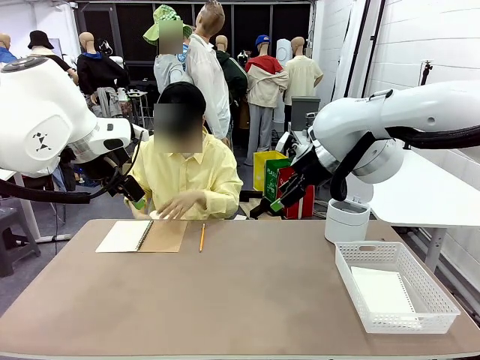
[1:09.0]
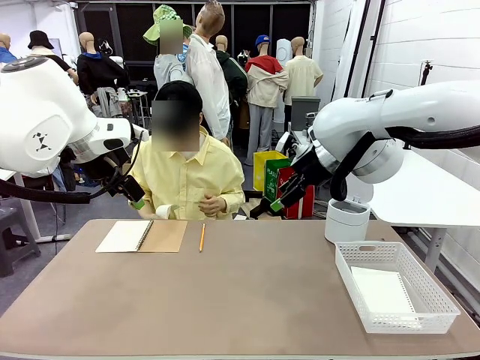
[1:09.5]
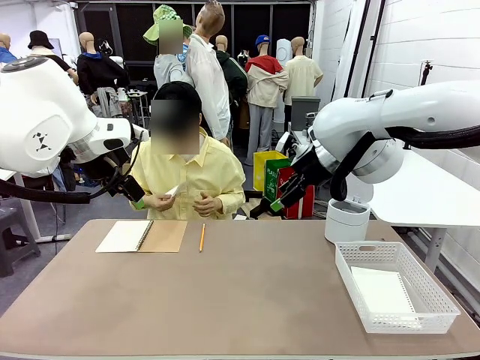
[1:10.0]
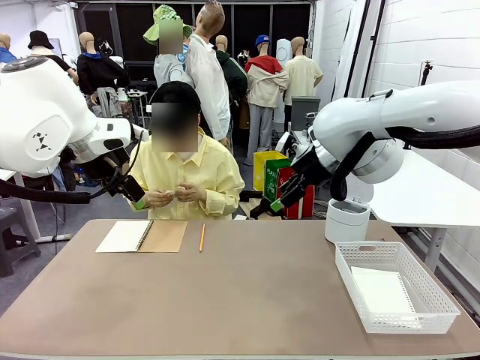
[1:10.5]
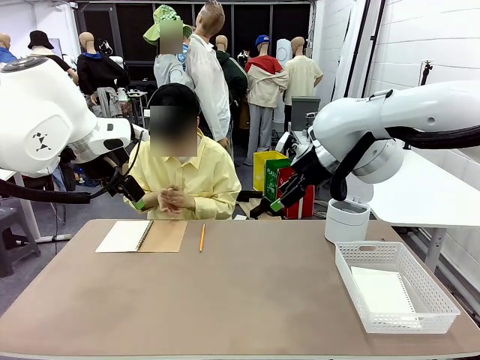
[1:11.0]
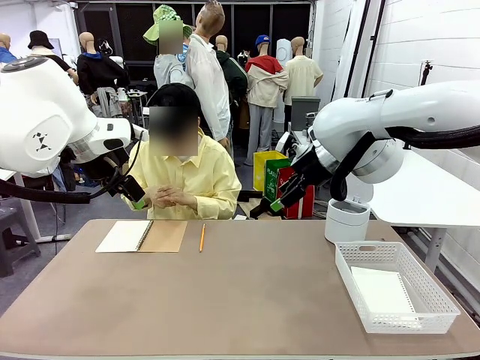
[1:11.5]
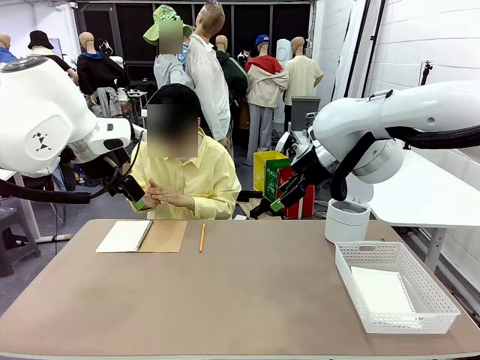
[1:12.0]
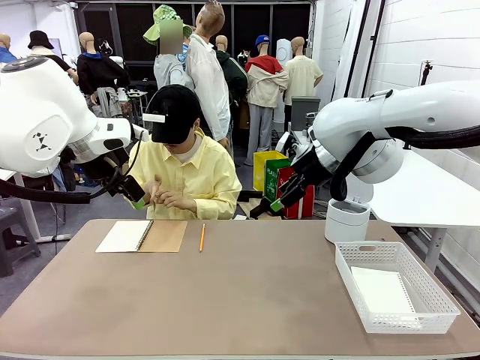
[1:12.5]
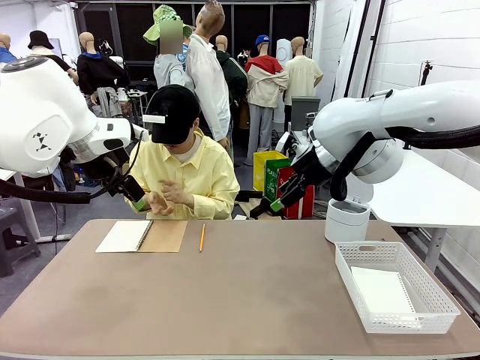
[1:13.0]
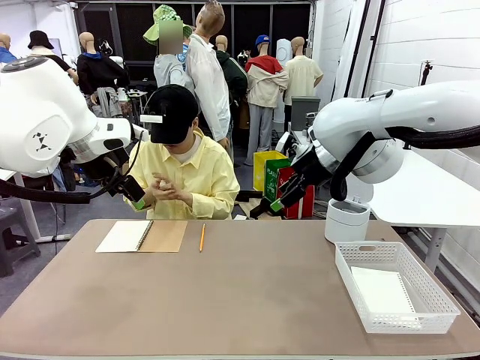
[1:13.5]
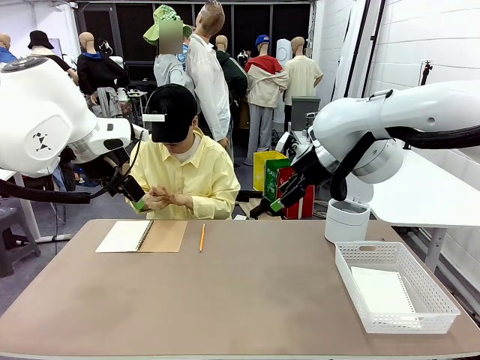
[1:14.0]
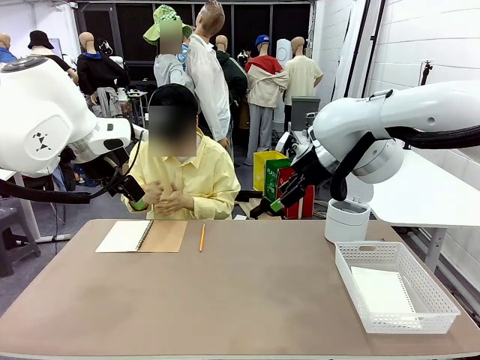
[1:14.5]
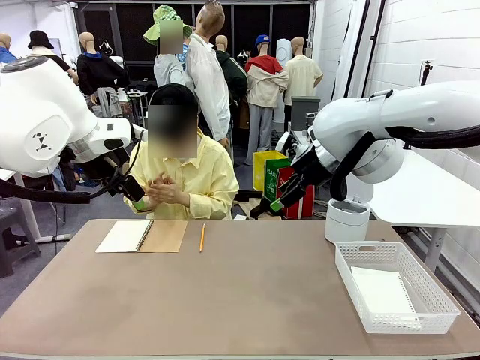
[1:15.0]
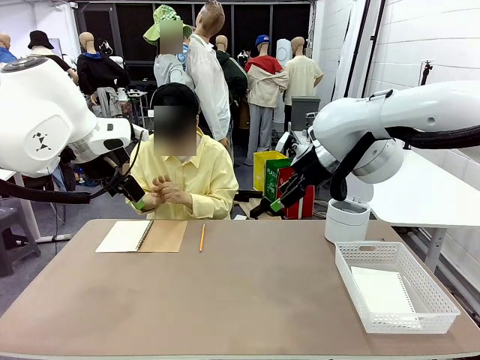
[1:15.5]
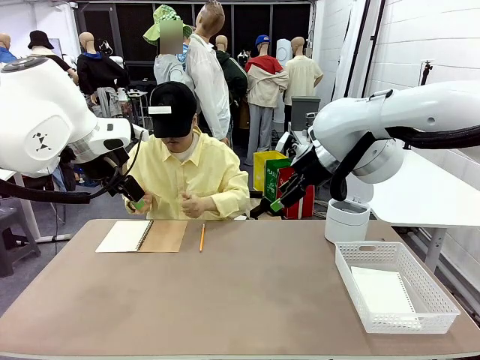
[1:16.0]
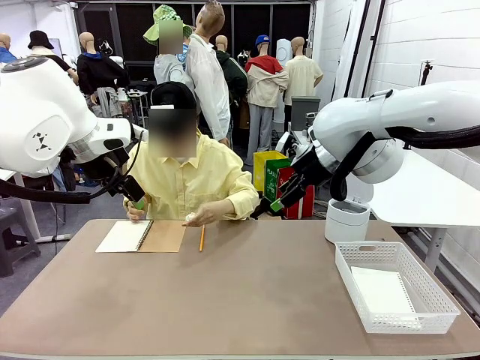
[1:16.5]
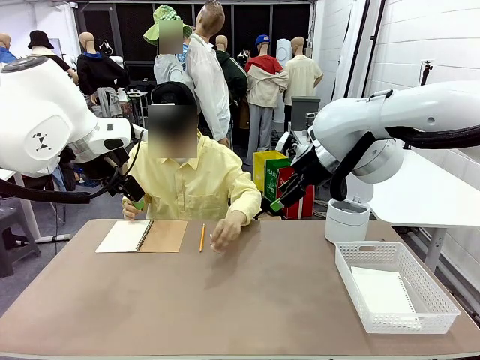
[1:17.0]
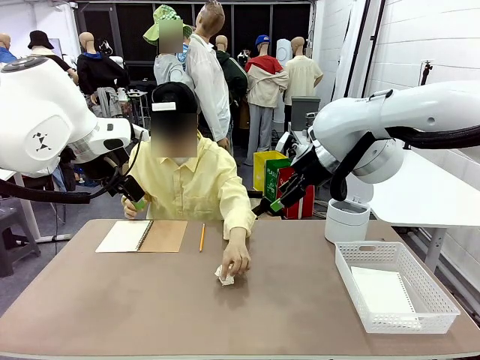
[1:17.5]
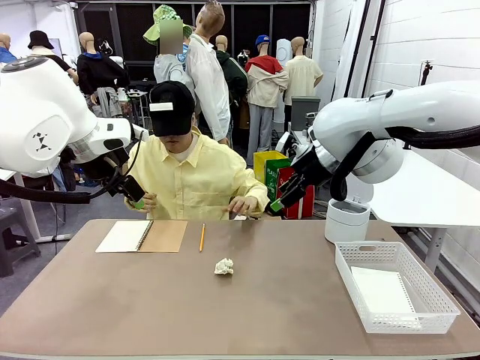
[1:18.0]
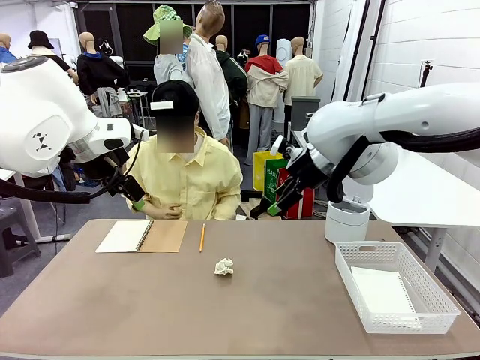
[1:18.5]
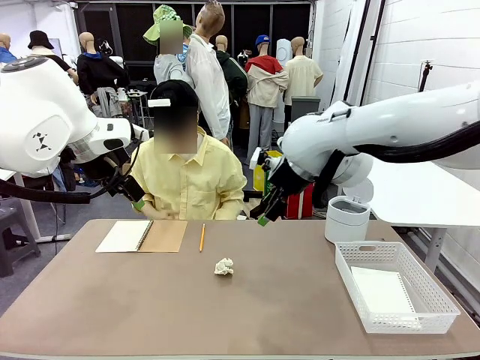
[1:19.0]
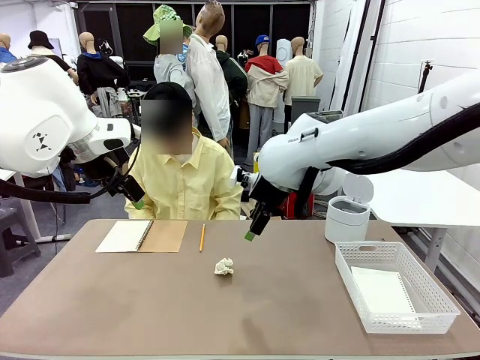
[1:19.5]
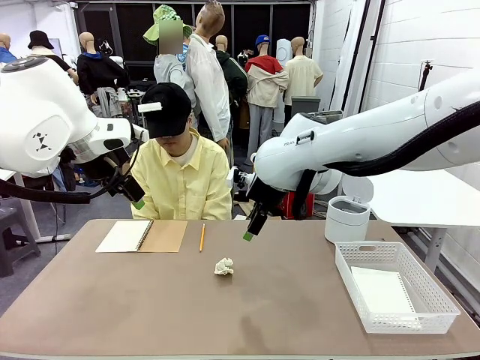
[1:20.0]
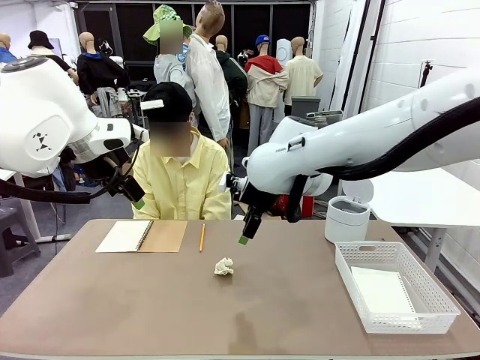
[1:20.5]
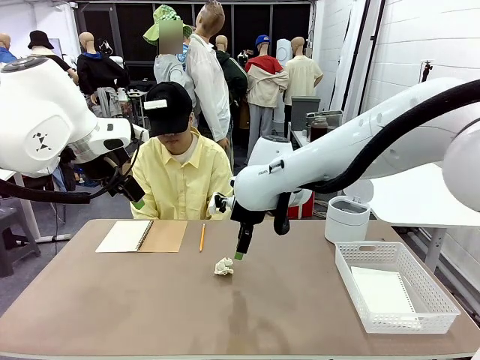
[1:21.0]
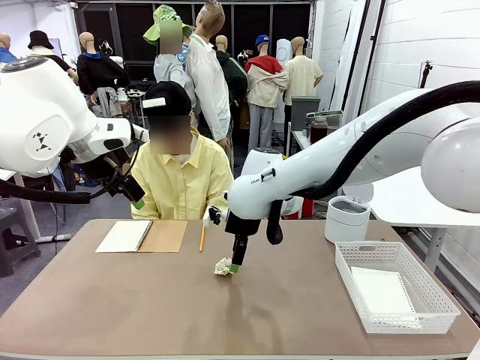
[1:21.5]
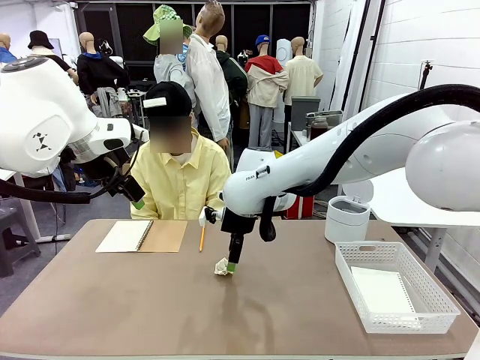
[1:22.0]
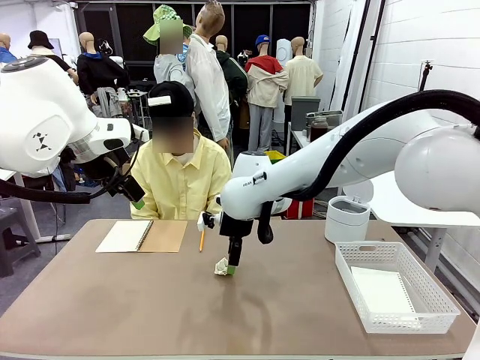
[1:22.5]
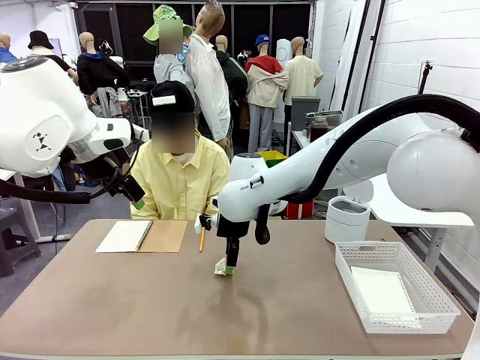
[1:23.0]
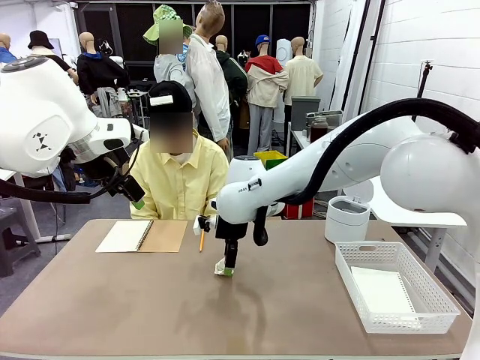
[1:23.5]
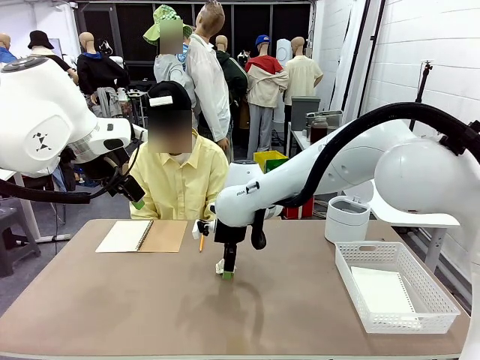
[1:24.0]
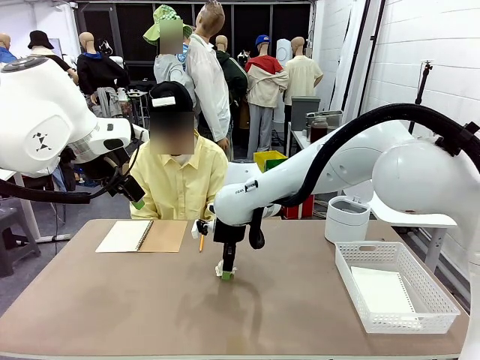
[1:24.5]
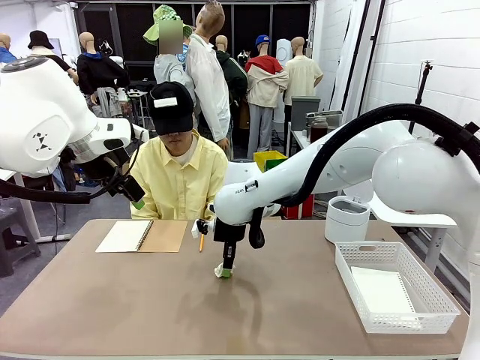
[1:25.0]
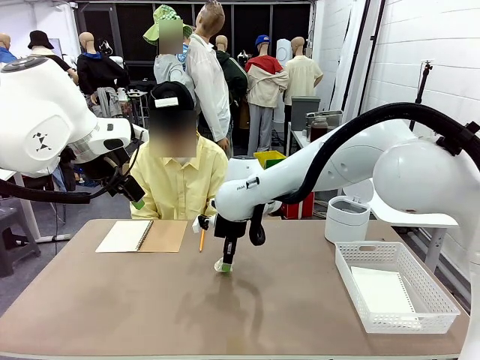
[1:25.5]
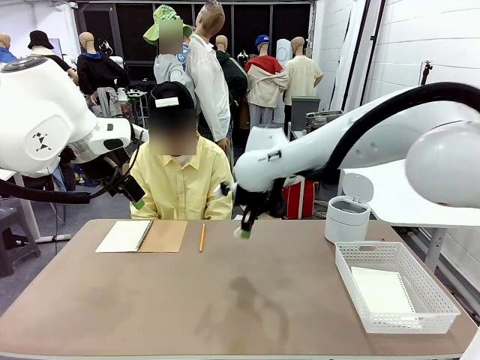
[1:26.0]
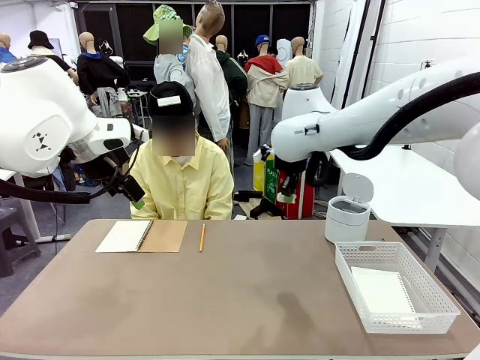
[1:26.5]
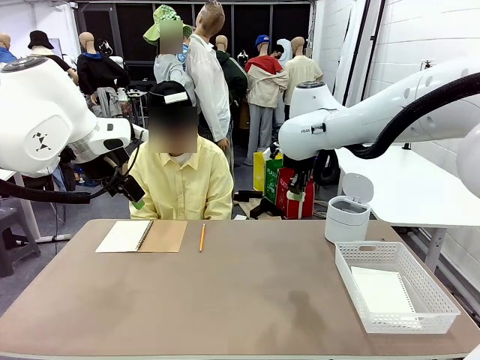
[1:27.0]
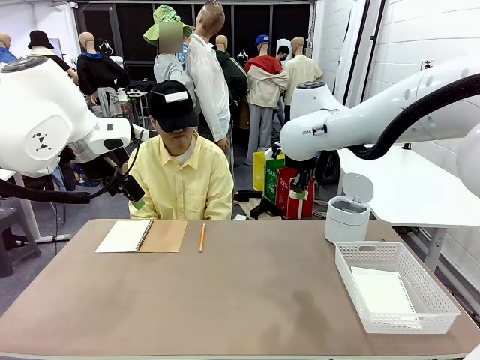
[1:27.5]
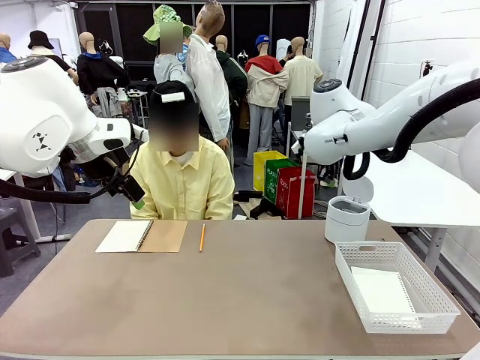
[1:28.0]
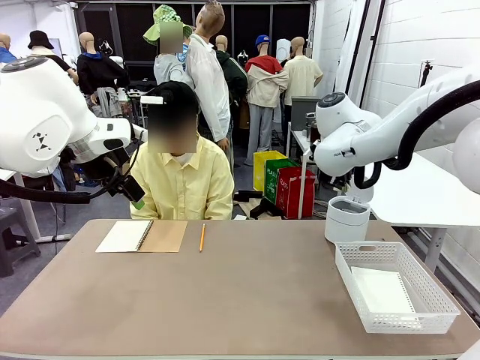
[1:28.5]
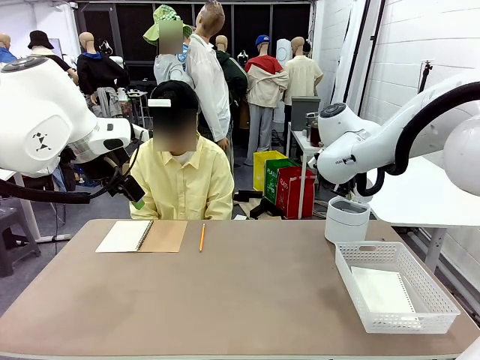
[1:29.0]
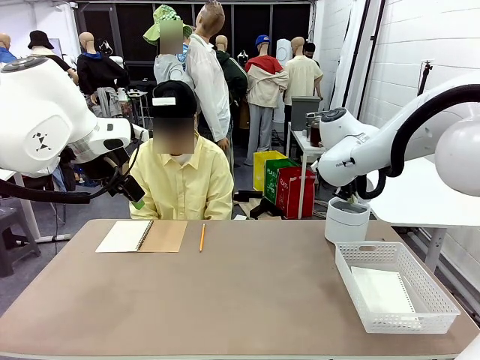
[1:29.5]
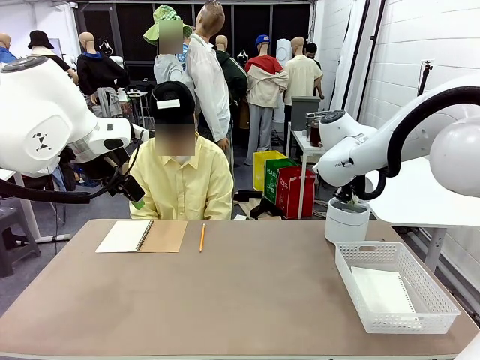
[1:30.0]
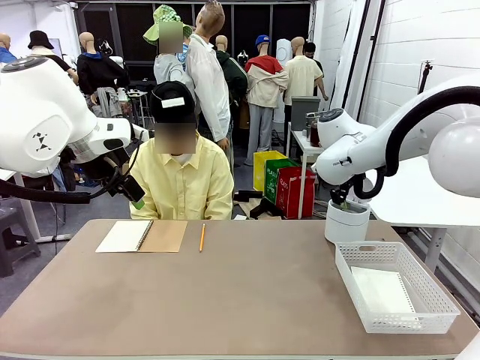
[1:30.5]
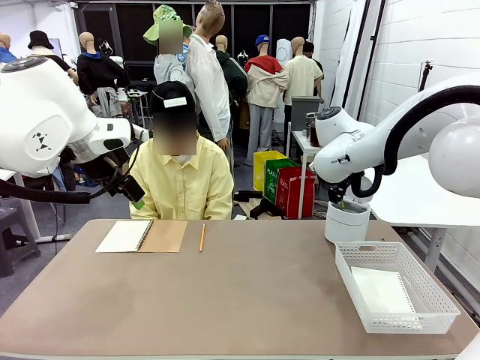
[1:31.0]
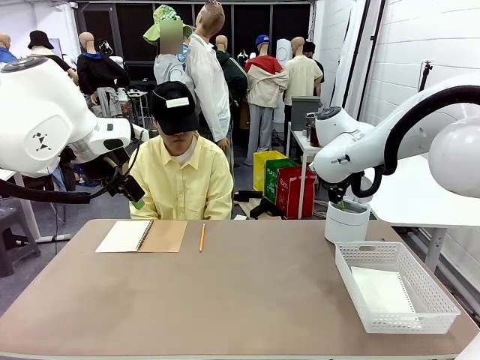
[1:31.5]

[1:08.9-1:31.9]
Task: Sort the paper based on its condition.
Robot: If a person hands you a paper, place it in the Organizing basket , and if it's crumpled, put it in the Trash can.
Person: Hand the torn page to the robot or crumple it and throw it to the center of the table.

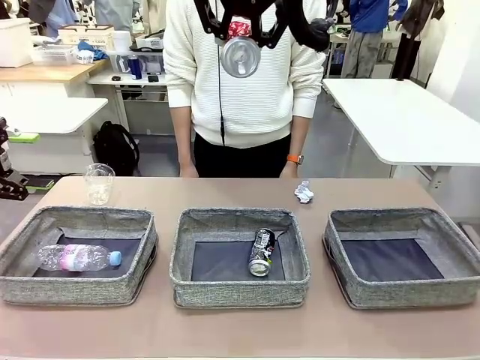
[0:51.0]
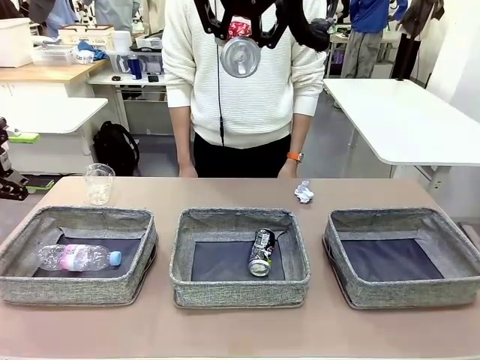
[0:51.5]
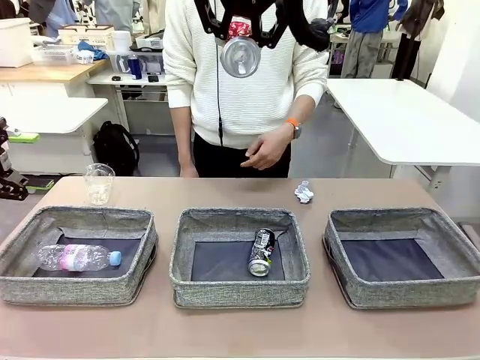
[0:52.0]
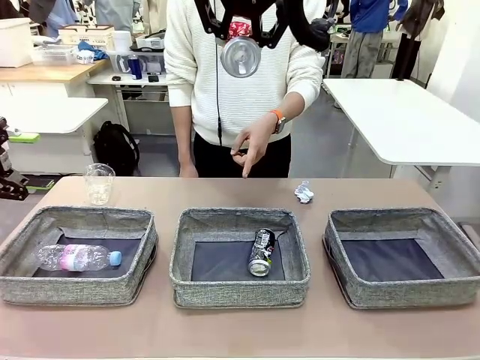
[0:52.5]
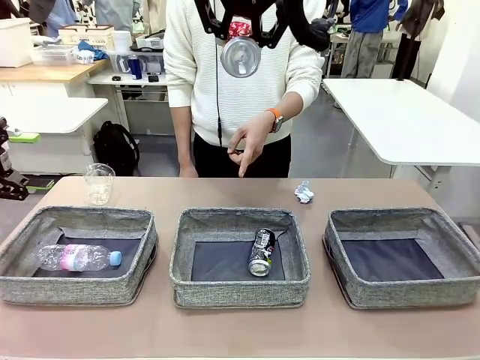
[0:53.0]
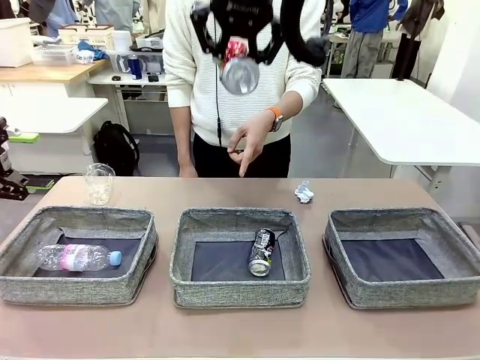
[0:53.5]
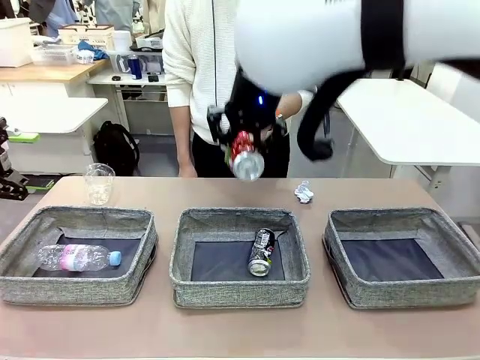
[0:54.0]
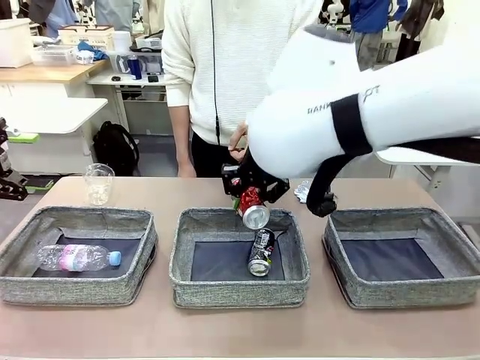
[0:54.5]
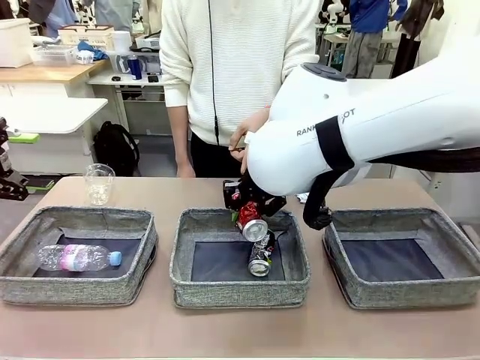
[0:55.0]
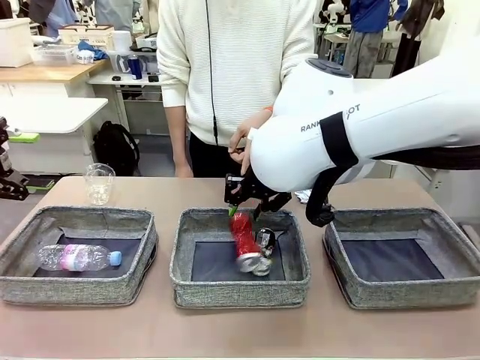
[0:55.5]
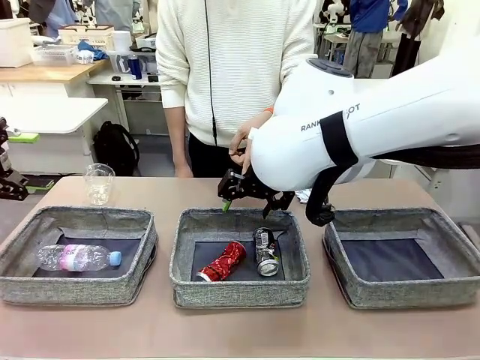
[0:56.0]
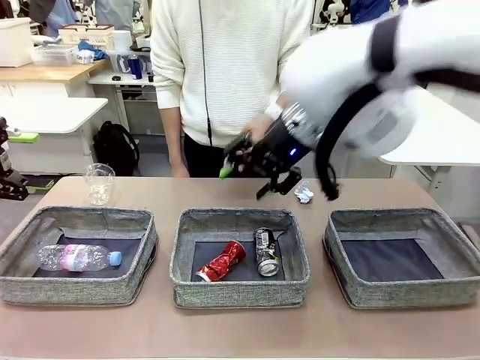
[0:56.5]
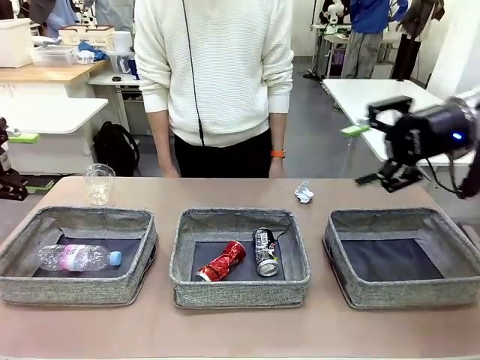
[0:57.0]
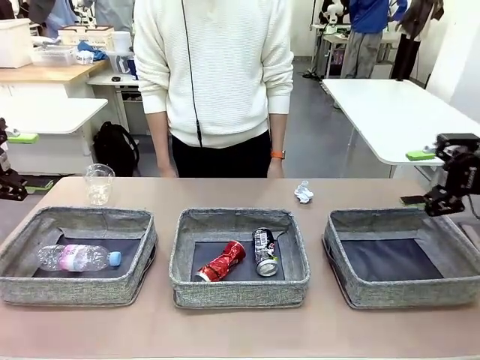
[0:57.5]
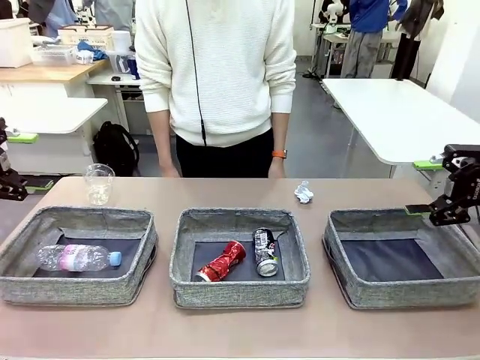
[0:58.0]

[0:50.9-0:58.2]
Task: Sort the waste into the appropriate baskets.
Robot: Place the picked waste into the Fabric basket indicated by the person.
Person: Instructs the robot to place the picked-up trash into the appropriate organizing basket.
